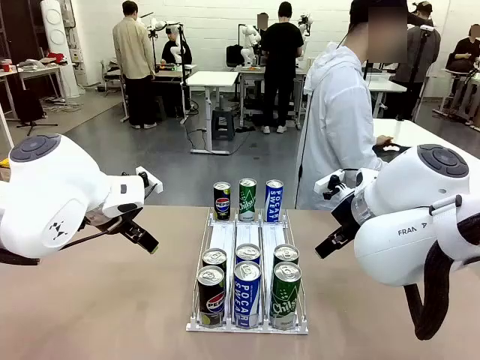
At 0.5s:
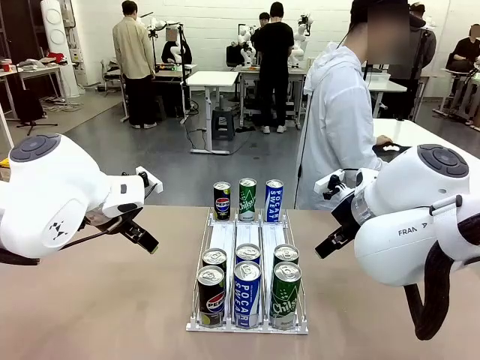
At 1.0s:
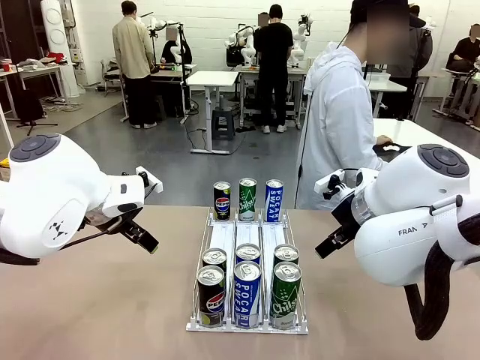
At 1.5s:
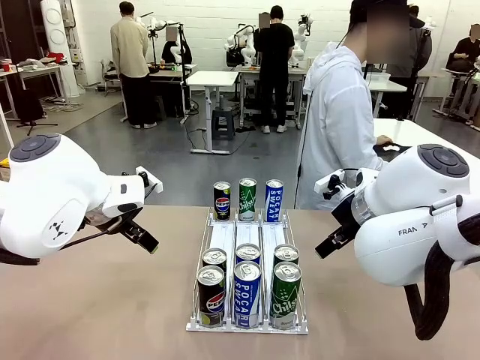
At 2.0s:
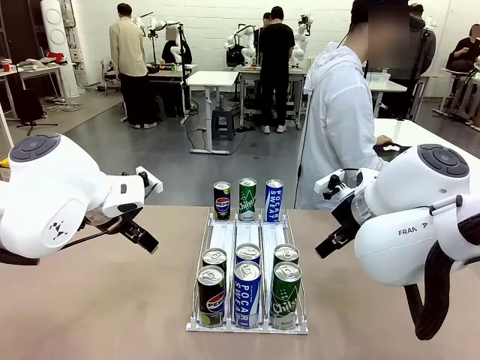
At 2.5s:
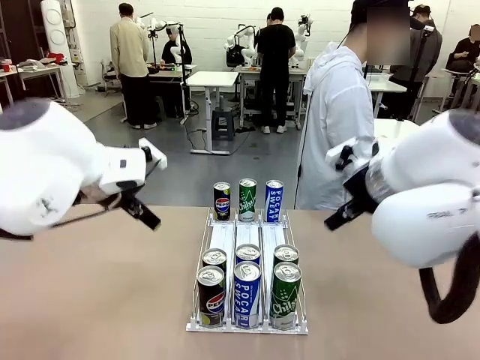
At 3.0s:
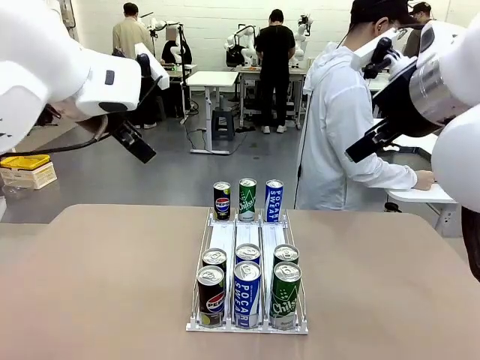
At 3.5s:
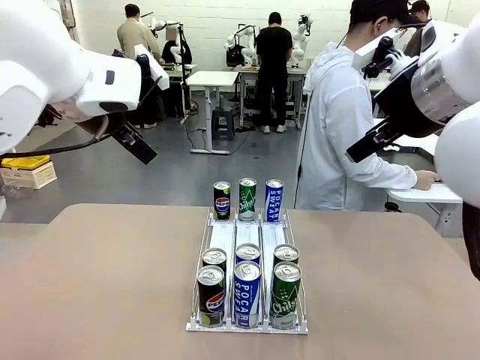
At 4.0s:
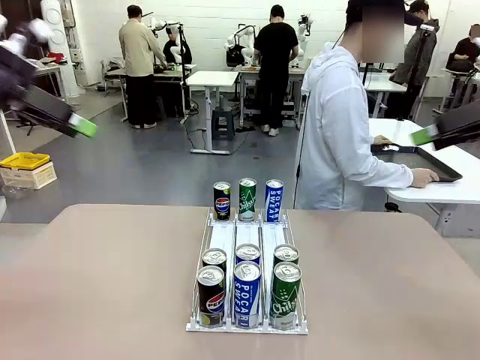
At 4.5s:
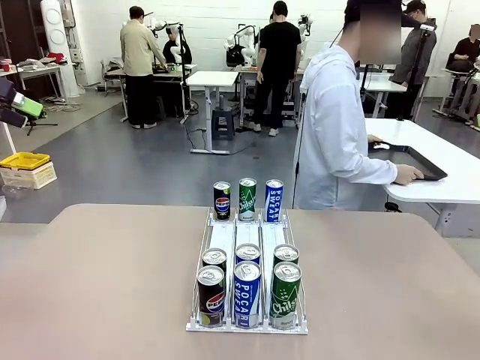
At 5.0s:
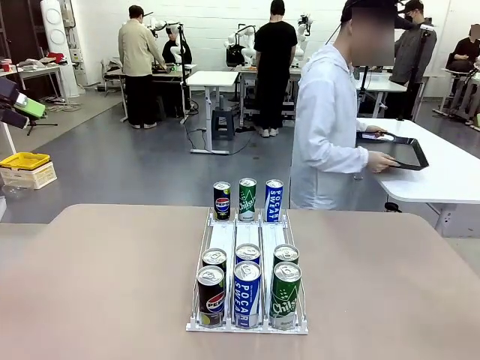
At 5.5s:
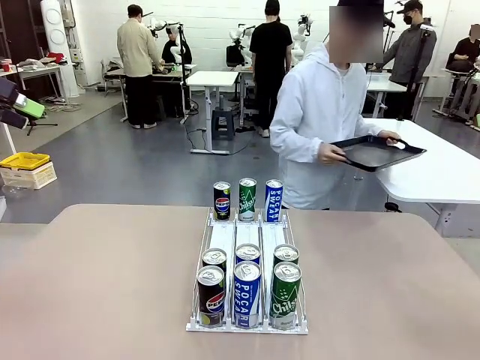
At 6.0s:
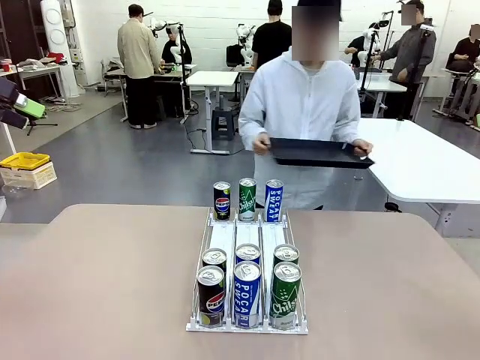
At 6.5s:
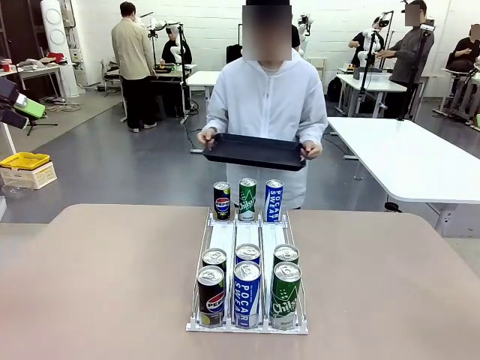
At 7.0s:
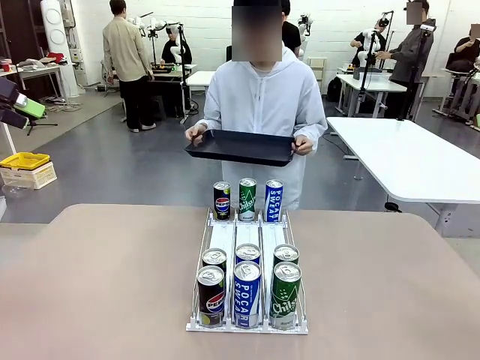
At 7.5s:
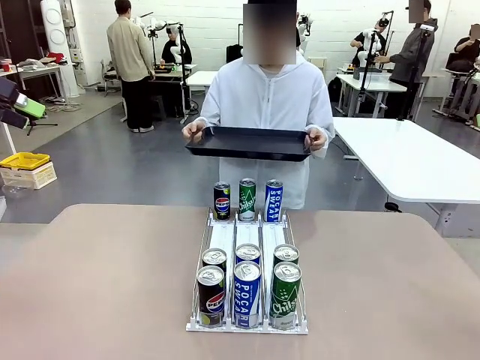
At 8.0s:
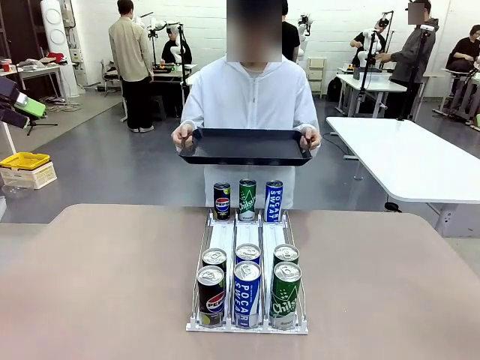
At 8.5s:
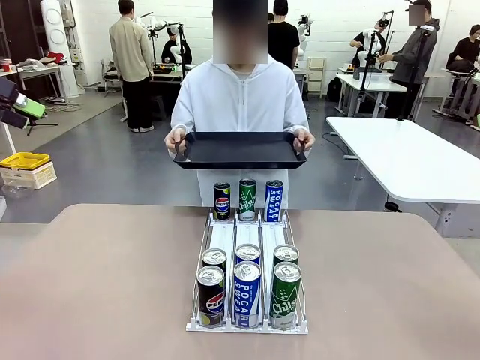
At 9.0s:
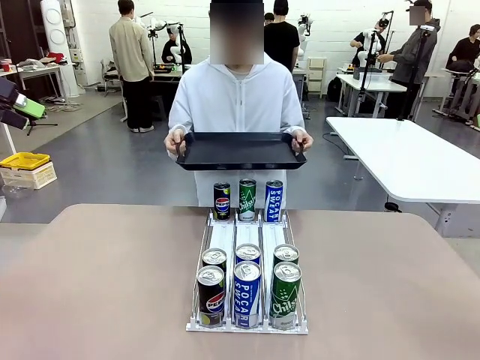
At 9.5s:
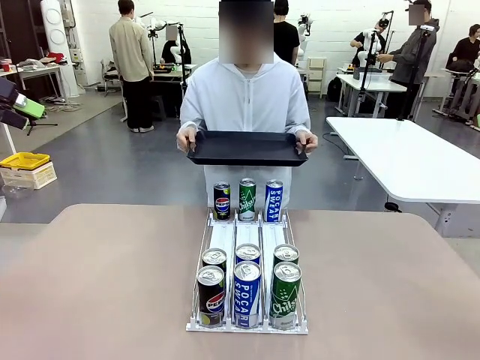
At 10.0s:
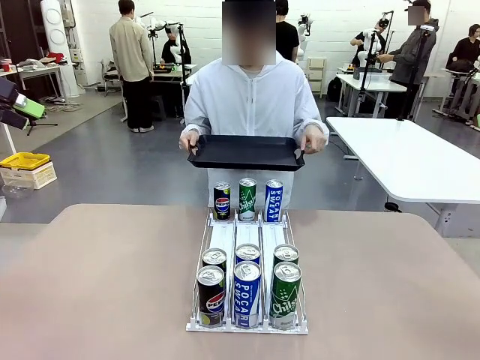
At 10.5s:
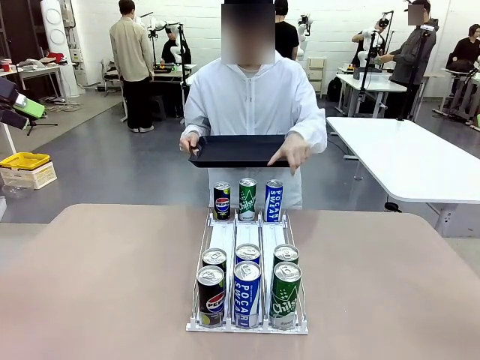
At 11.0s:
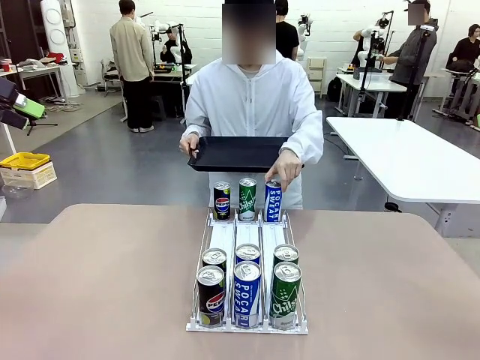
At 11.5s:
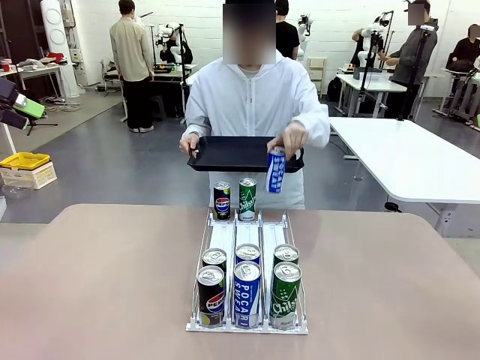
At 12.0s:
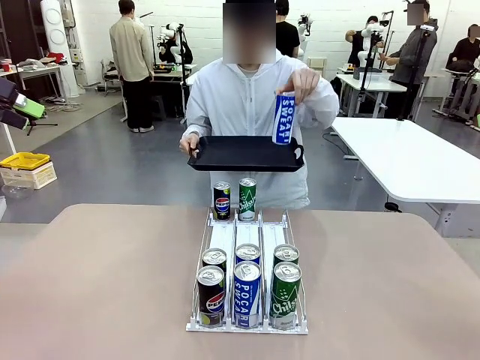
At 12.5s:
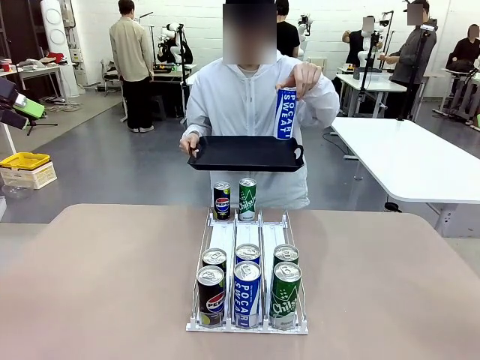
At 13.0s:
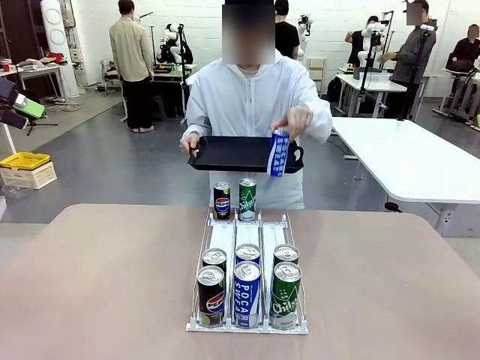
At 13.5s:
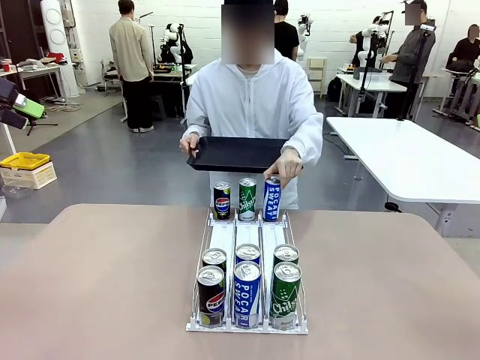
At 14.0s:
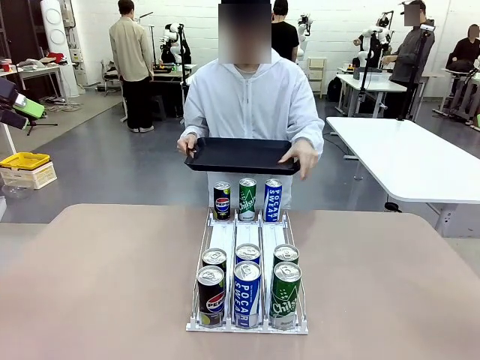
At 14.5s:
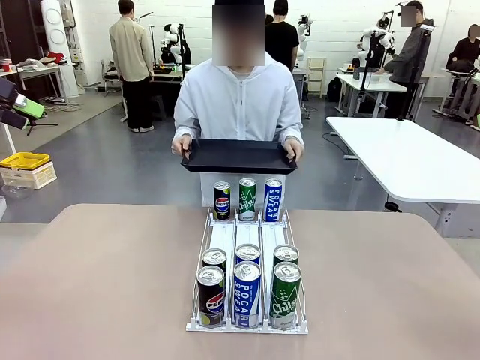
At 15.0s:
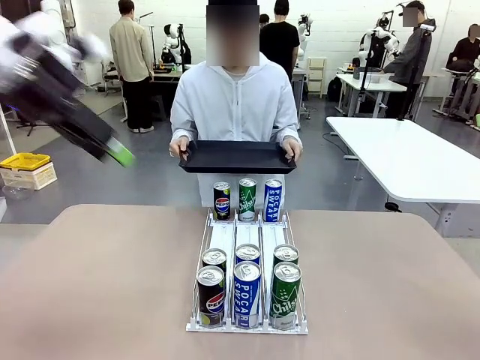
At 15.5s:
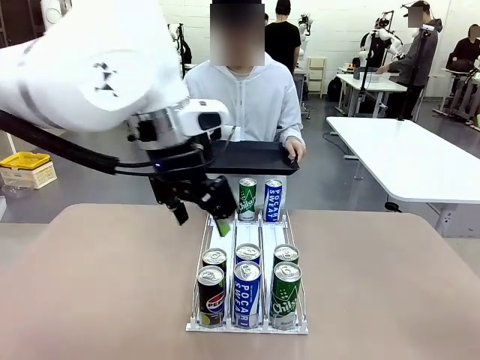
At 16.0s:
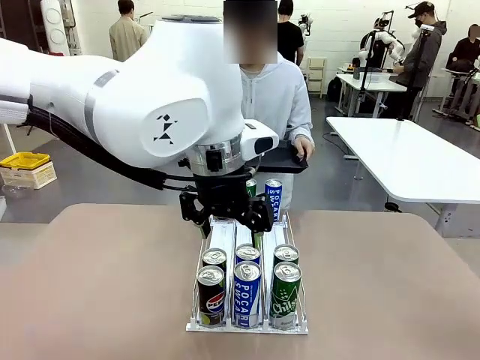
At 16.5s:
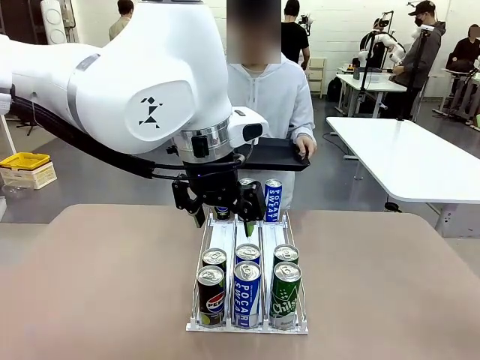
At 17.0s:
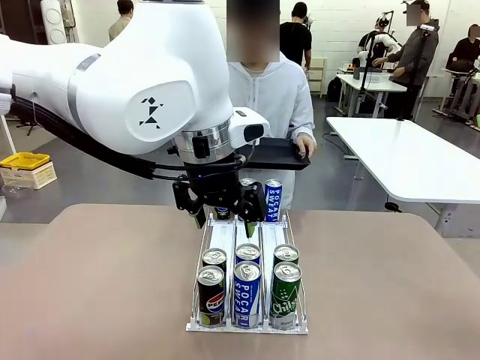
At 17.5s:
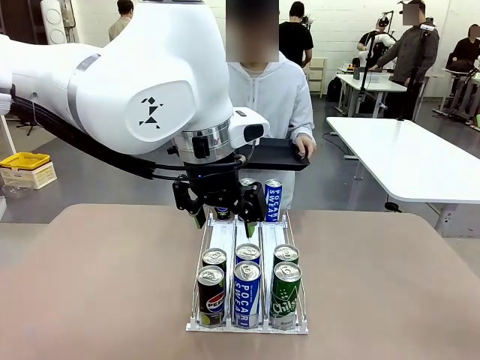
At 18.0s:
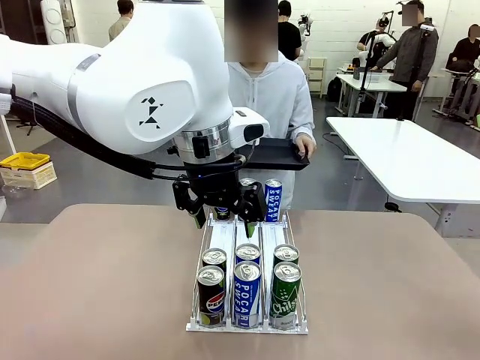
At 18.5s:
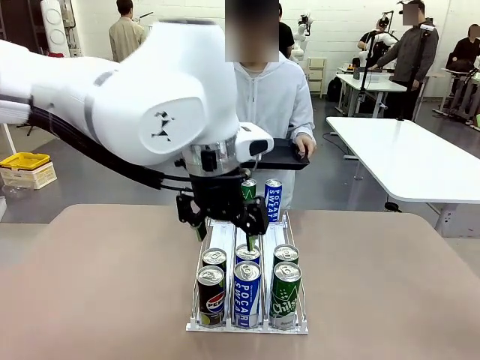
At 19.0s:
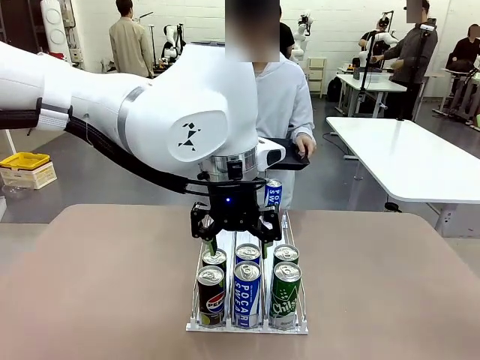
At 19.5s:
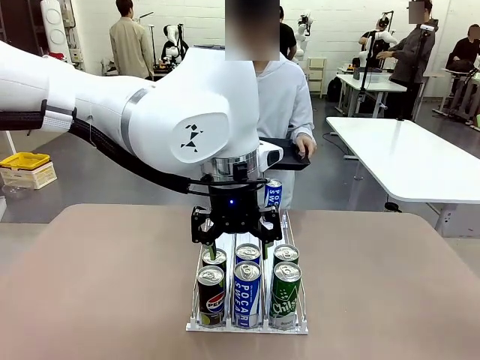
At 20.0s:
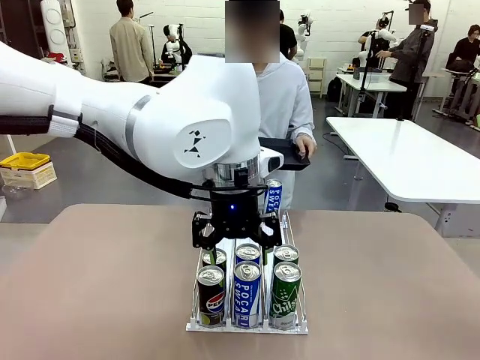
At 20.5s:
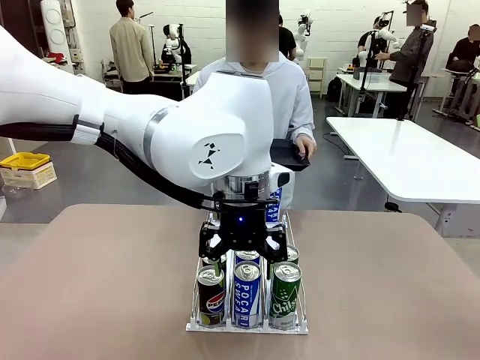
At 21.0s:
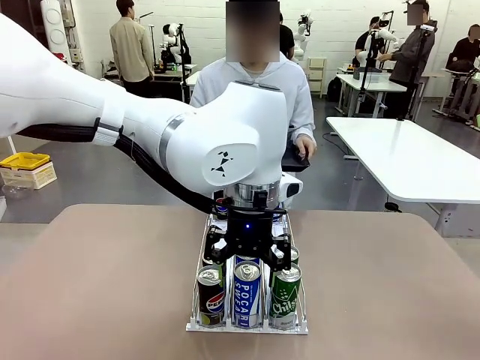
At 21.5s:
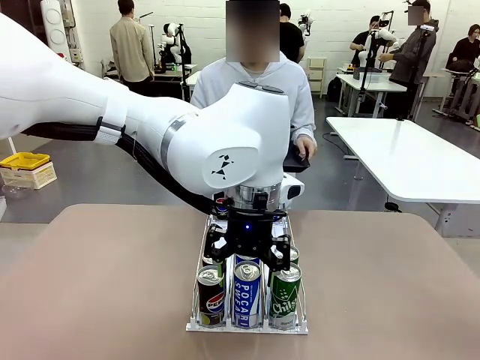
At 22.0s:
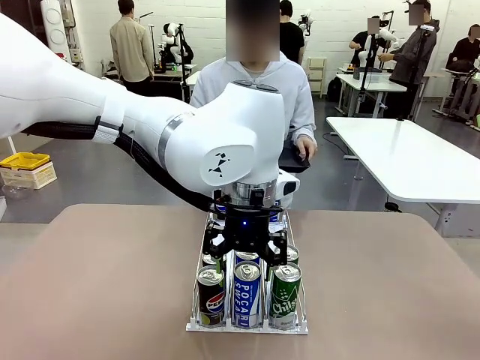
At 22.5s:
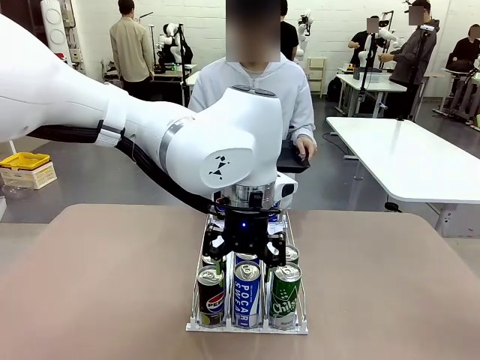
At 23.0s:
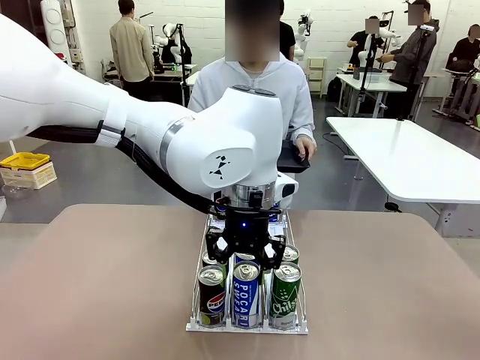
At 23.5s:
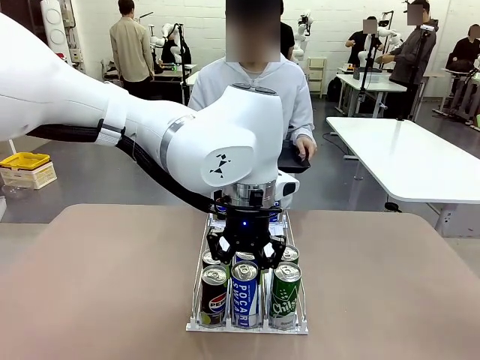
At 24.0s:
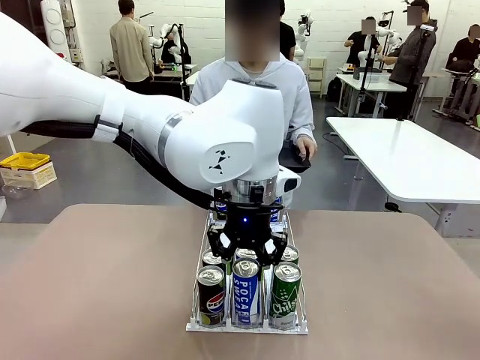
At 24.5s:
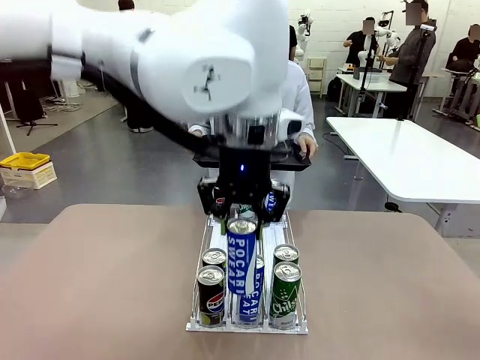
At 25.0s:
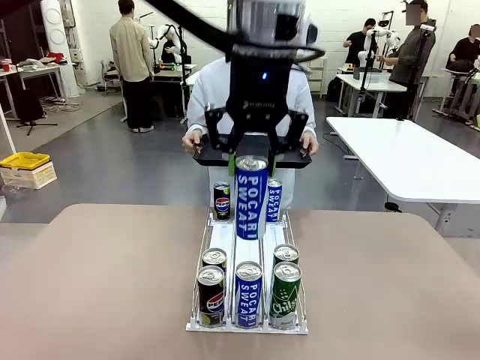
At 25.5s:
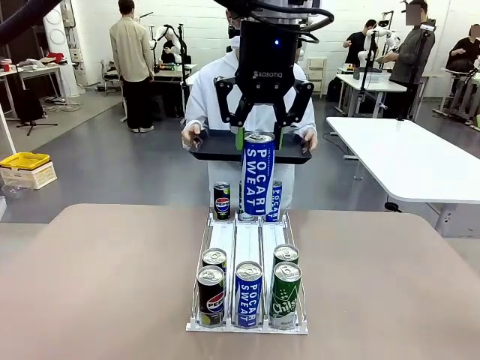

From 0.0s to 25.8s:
Task: Retrieve and hand over the desired beverage to the person.
Robot: Pick up a can of the same type that the person held from the Automatic Can Dispenser.
Person: Hold the tray and position yourself in front of the robot table. Pick up one can from the bottom area of the table and puts it back in its original place. Push the tray toward the robot.
